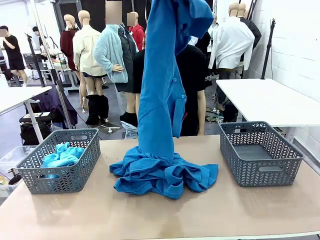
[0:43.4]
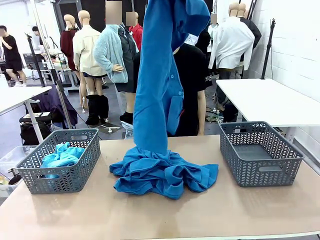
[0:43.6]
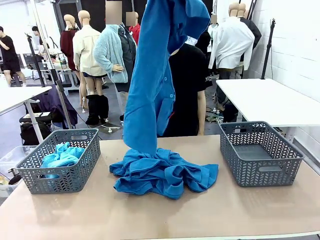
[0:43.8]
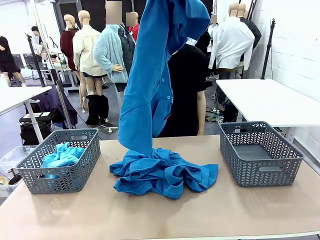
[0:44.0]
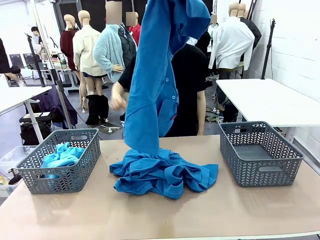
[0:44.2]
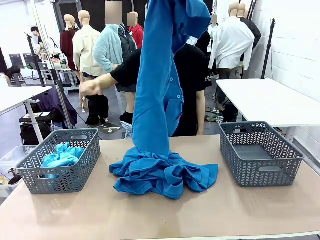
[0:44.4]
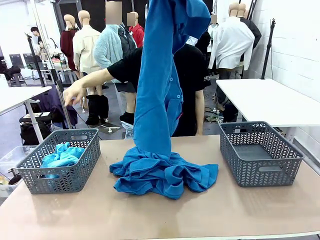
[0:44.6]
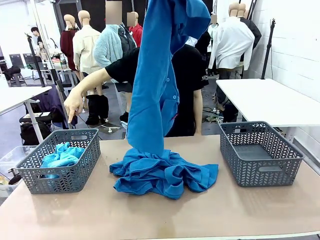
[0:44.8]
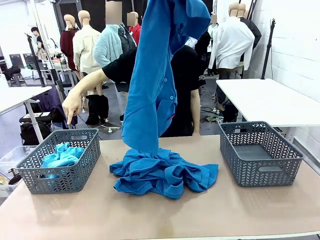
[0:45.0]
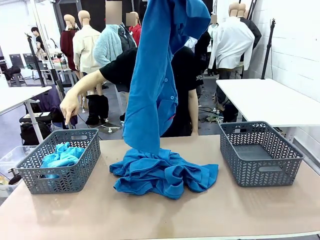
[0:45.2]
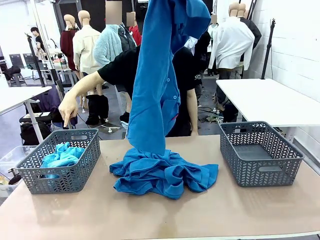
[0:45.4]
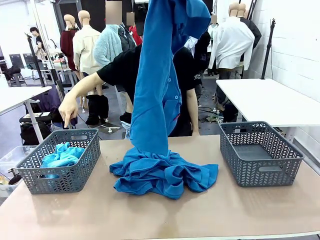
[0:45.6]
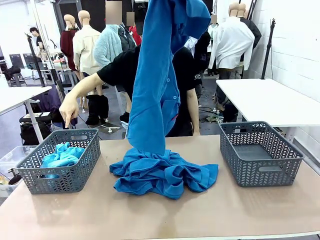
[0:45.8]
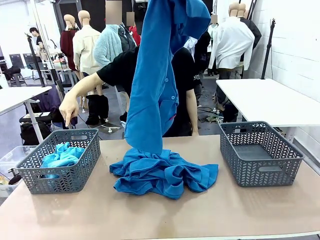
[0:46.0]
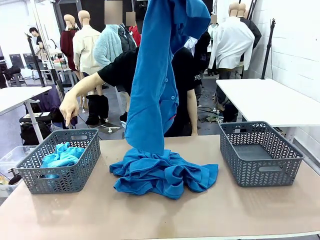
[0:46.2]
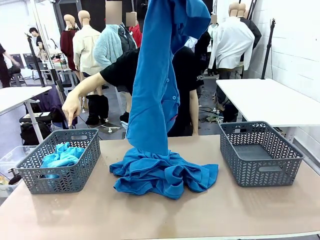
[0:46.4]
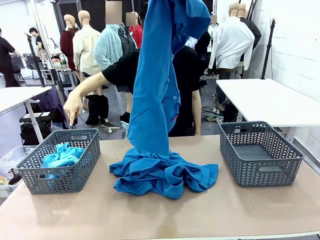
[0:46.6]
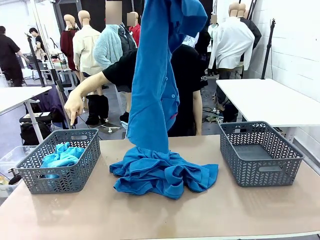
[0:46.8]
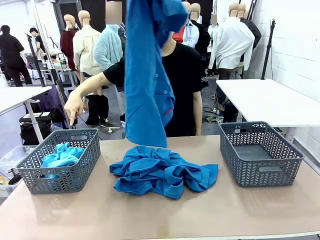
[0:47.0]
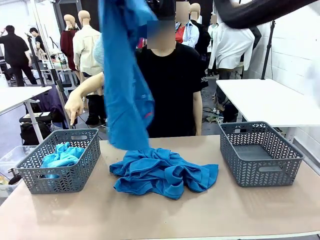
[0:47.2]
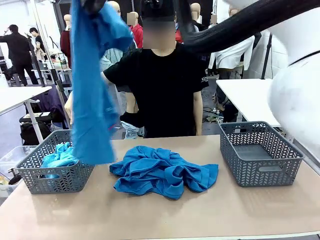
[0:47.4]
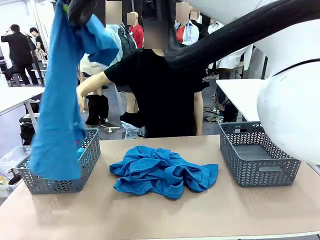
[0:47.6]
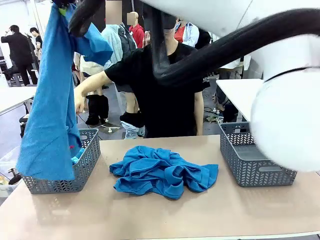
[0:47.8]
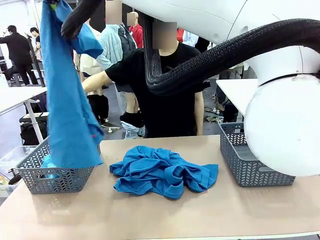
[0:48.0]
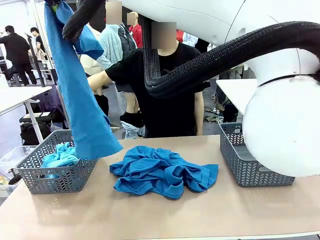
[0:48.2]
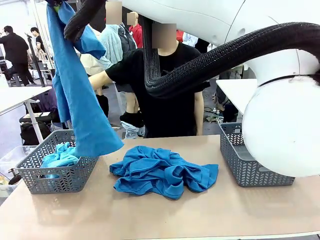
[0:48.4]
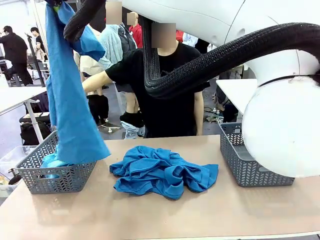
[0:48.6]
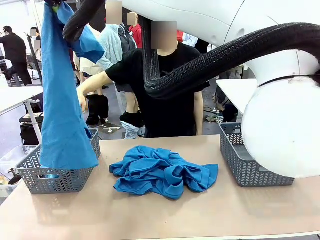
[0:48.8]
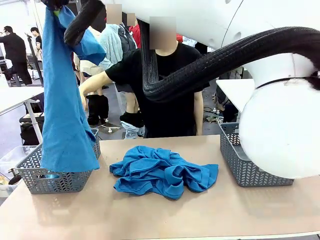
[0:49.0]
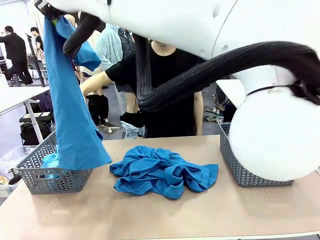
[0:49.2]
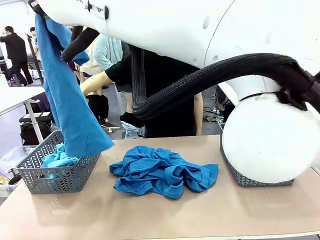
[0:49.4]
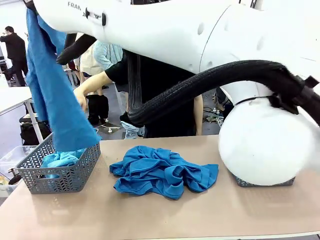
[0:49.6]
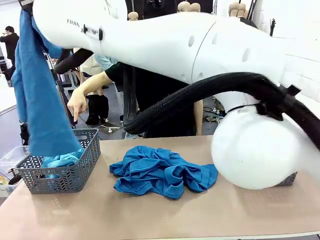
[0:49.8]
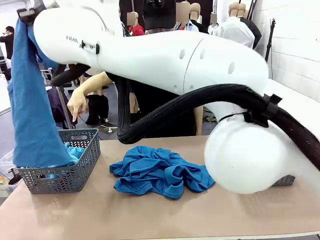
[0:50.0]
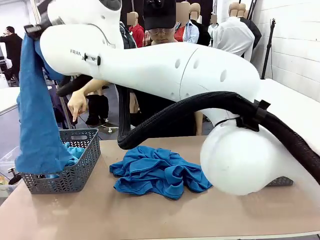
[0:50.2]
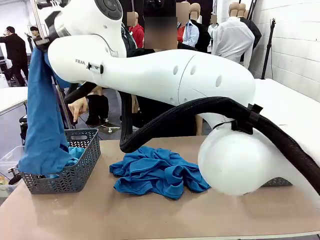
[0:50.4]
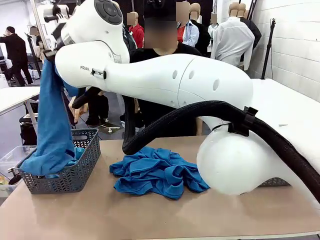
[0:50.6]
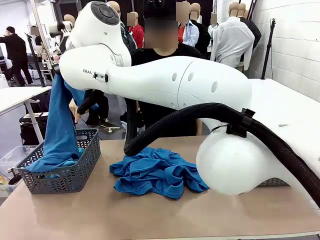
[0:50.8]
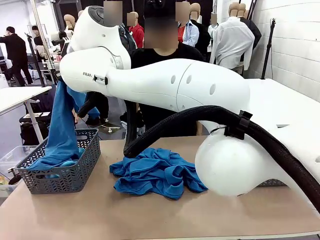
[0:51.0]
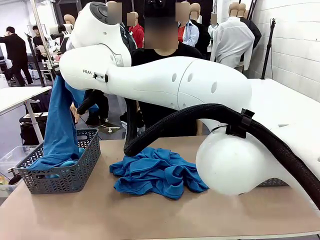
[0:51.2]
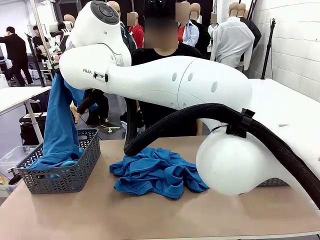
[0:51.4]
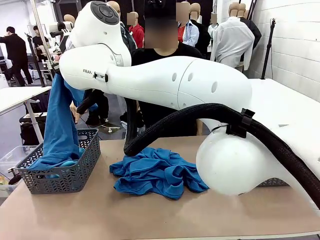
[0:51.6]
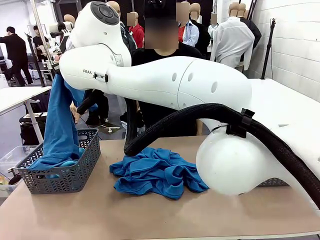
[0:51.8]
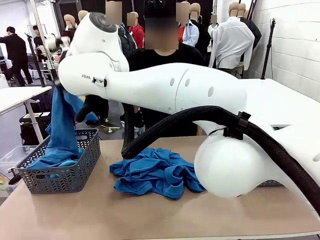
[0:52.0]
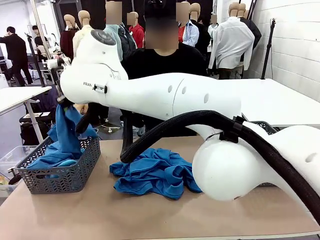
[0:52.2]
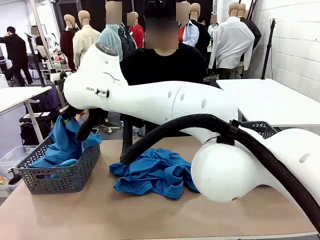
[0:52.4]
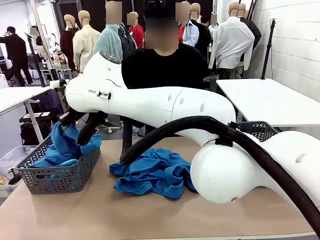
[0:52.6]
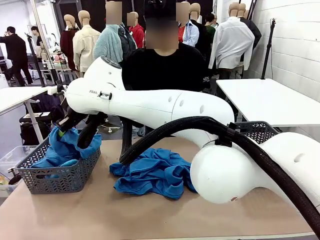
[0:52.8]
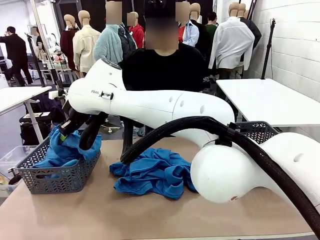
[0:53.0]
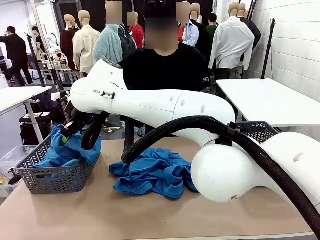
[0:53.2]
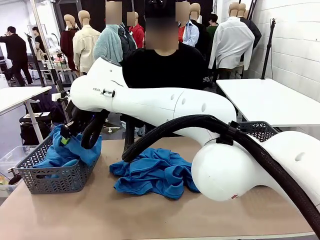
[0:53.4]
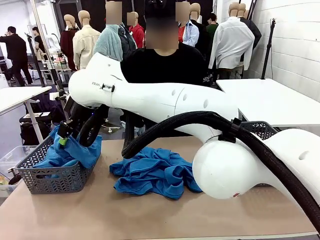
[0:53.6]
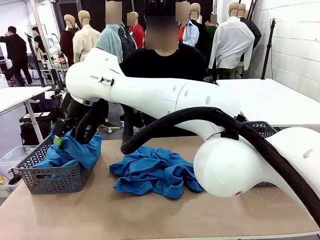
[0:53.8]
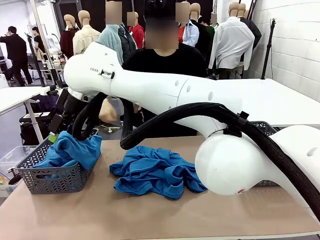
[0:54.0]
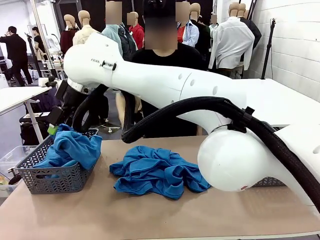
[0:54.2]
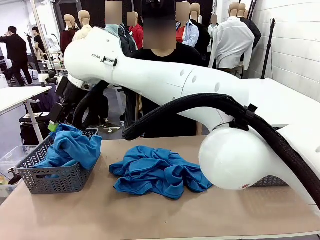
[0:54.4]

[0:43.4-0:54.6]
Task: Sort the tops and bottoms.
Robot: Sort the clothes according to human instructions.

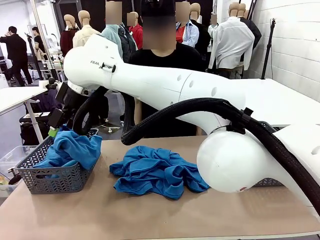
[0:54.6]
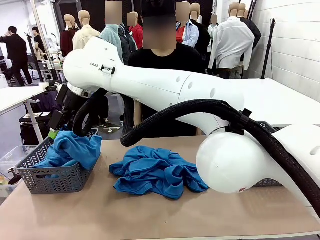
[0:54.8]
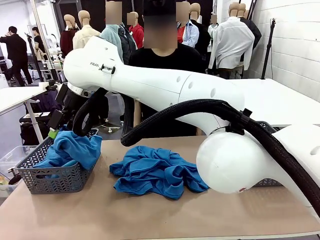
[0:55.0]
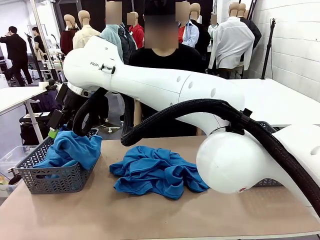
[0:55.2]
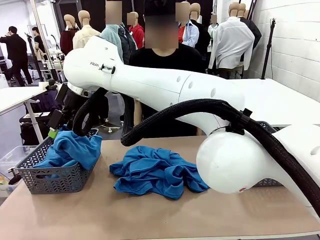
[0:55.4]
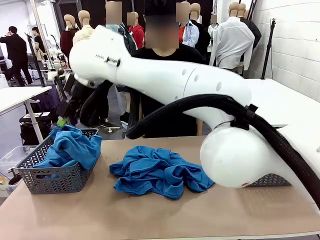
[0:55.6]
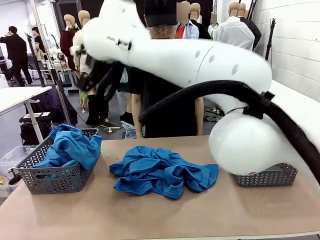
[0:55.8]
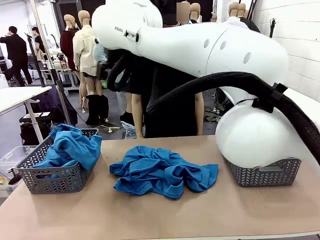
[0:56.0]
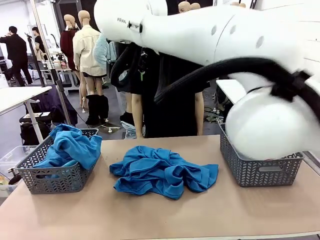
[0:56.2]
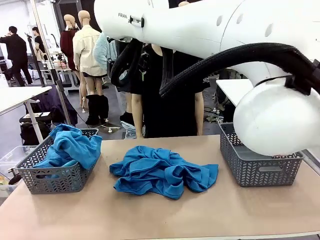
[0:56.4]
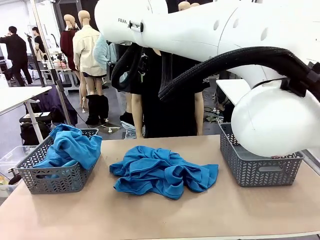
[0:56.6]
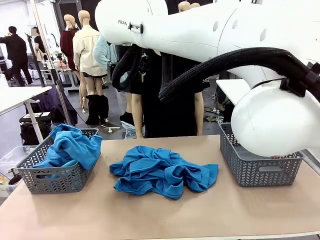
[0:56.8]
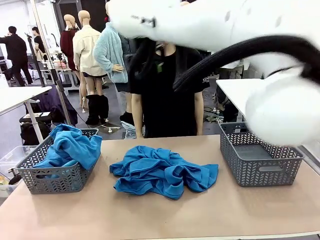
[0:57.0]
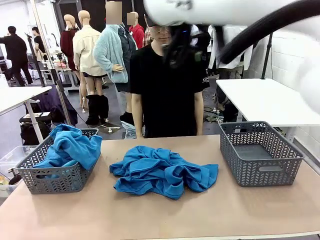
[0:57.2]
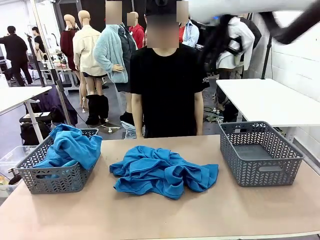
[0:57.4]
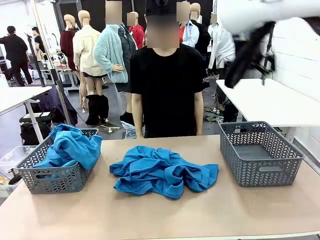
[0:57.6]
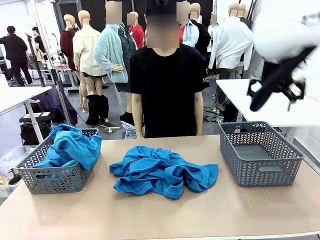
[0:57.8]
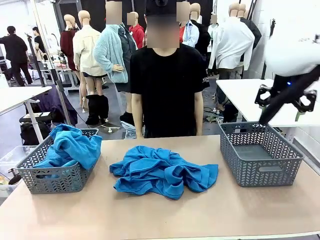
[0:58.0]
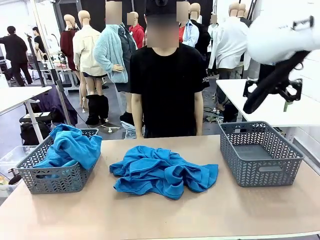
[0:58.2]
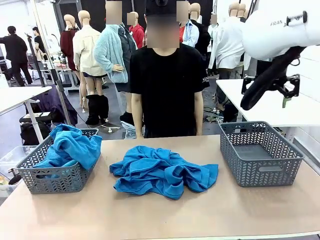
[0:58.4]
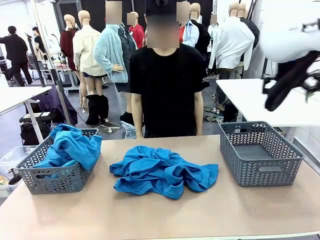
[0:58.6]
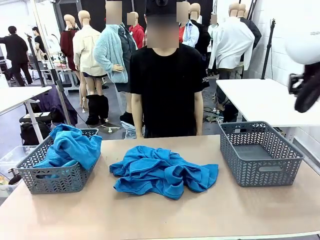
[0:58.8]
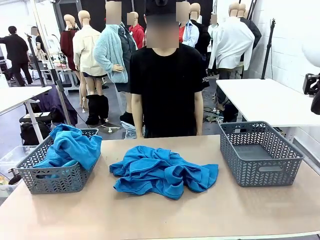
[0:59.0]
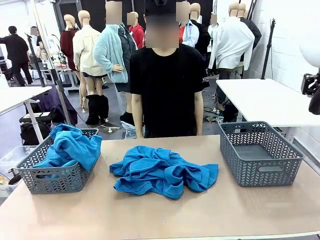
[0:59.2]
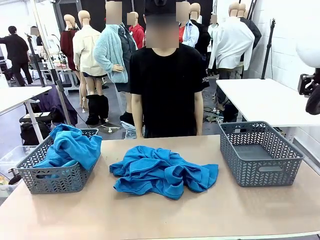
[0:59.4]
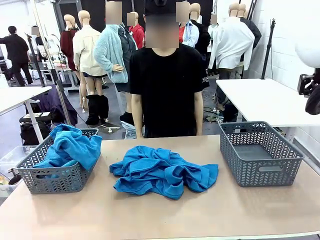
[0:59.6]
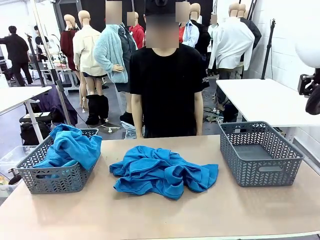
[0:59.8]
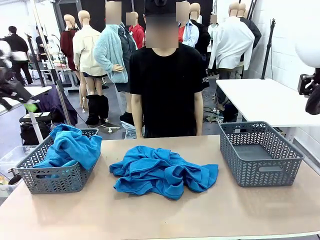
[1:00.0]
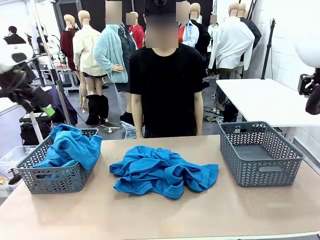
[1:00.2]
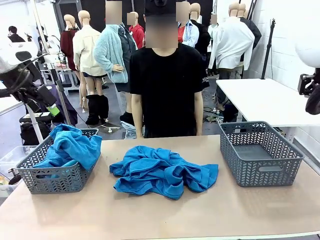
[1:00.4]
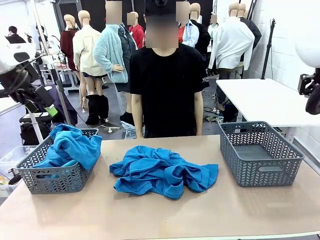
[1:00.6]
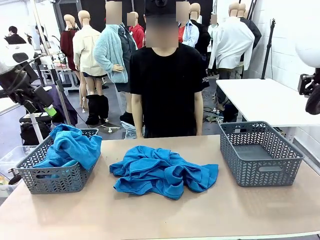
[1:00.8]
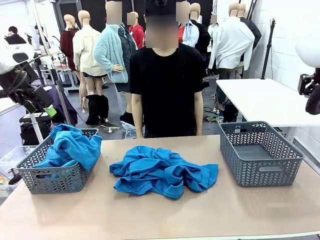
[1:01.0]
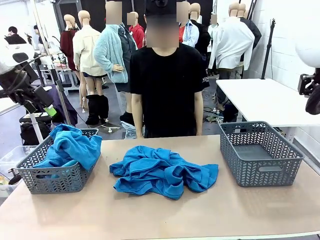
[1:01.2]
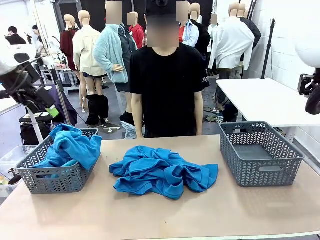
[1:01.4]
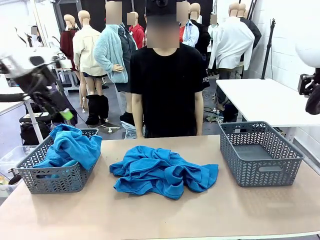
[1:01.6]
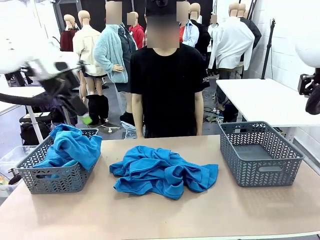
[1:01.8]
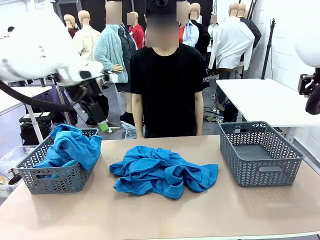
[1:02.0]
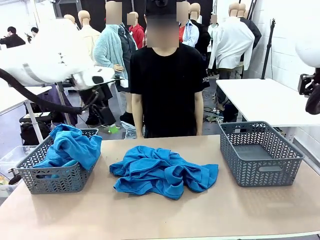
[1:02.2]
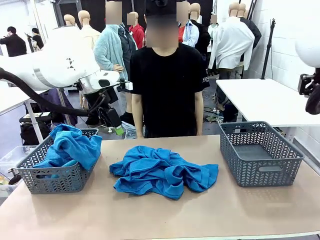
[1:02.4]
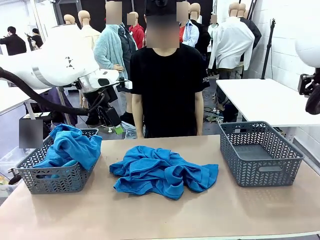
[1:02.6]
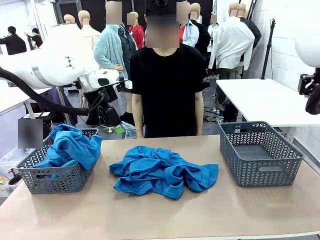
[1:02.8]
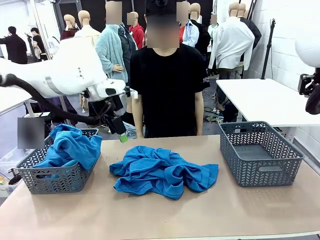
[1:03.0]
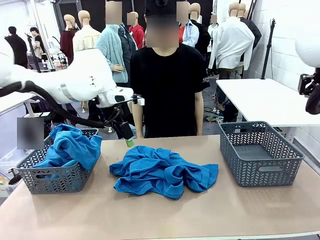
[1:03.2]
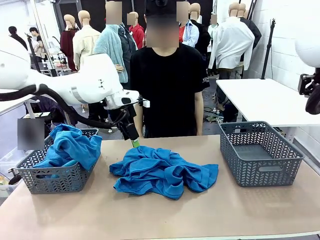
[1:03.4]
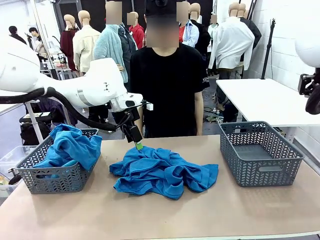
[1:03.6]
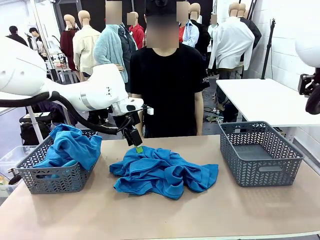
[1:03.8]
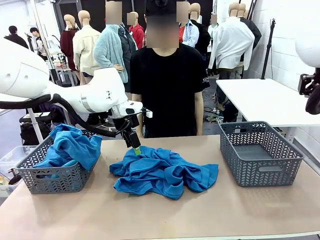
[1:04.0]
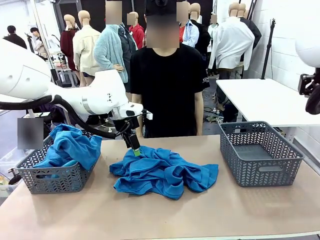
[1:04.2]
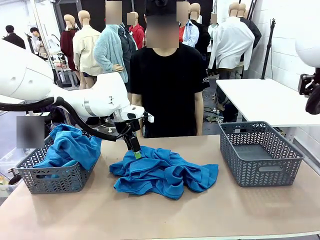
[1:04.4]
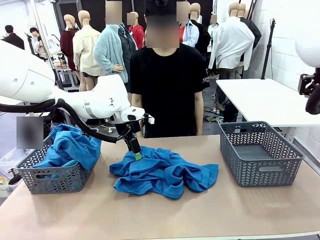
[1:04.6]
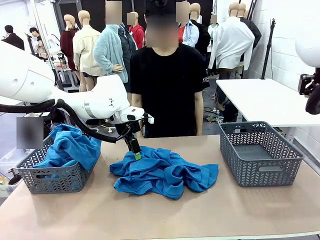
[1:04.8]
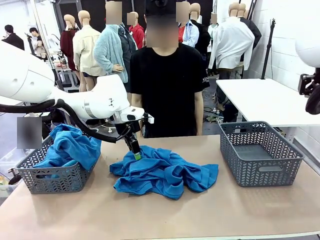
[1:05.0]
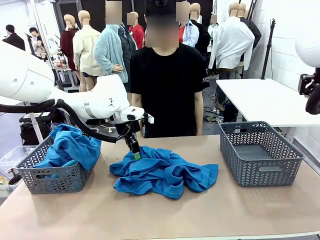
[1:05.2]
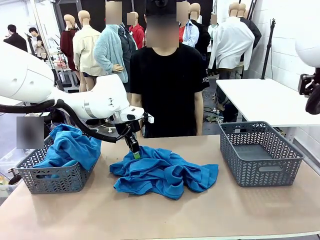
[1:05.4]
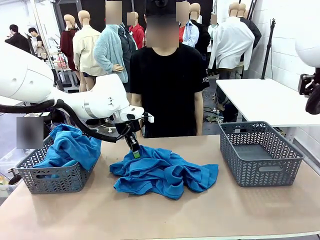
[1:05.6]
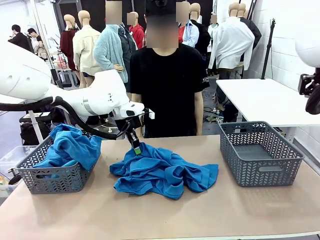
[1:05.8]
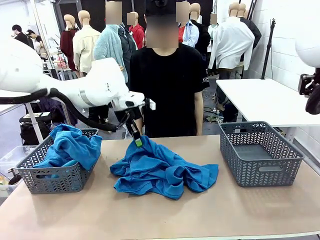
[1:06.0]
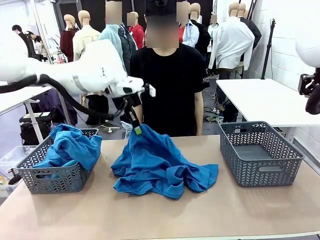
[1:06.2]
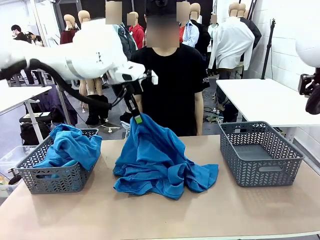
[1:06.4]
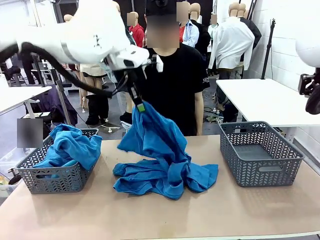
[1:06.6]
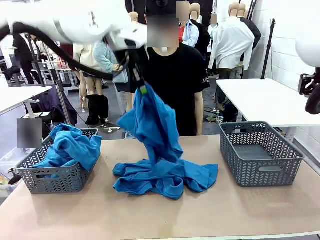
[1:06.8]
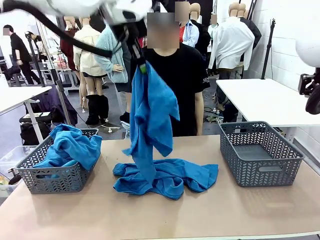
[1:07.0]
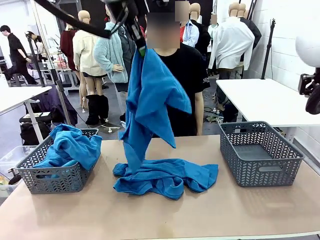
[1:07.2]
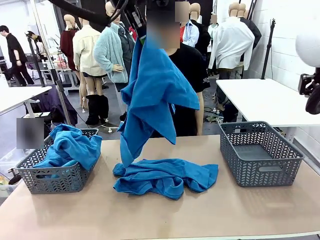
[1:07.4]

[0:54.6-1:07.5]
Robot: Lift clothes from the center of the table with your left hand.
